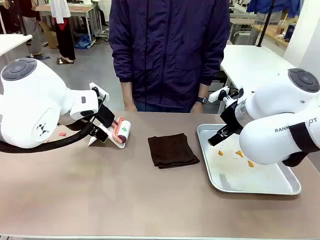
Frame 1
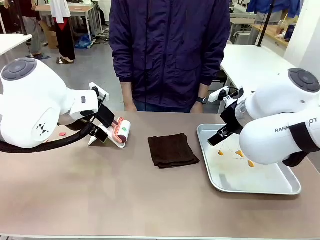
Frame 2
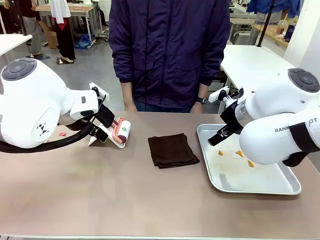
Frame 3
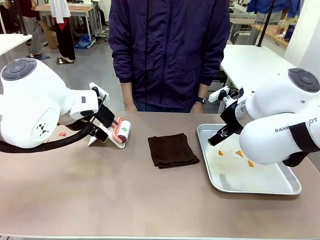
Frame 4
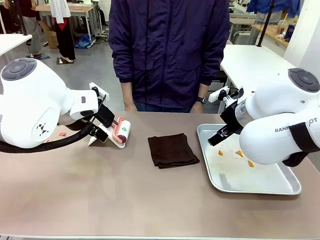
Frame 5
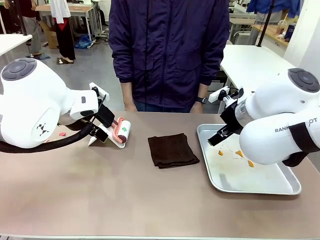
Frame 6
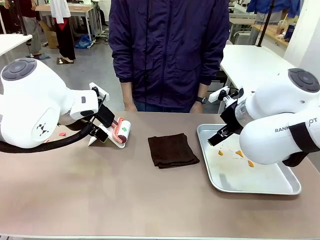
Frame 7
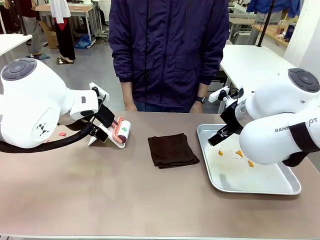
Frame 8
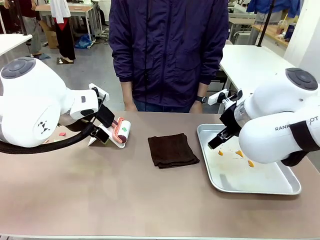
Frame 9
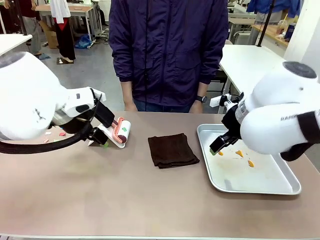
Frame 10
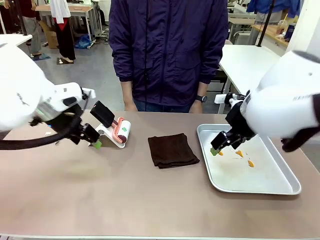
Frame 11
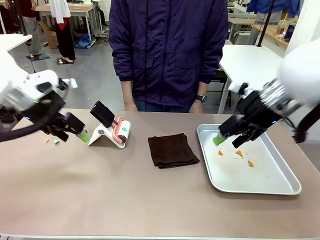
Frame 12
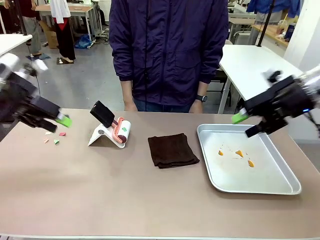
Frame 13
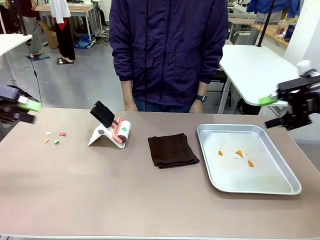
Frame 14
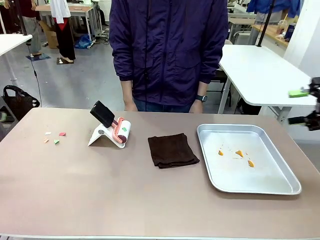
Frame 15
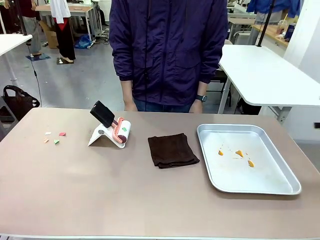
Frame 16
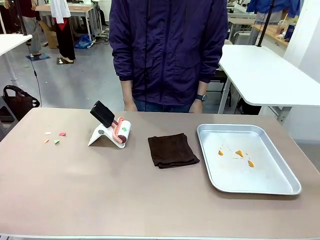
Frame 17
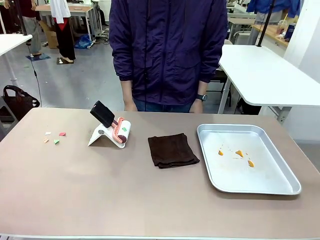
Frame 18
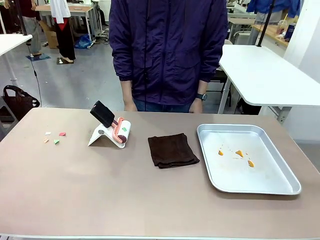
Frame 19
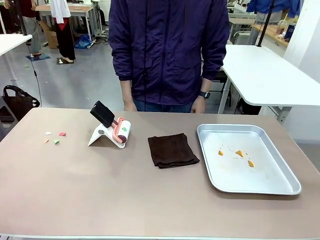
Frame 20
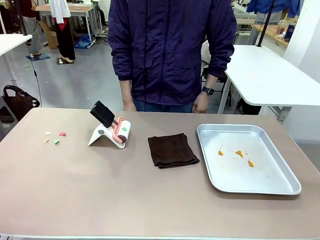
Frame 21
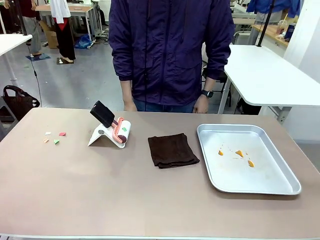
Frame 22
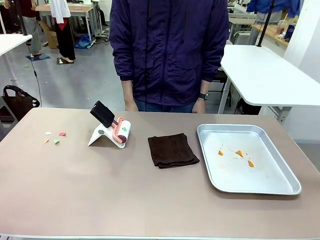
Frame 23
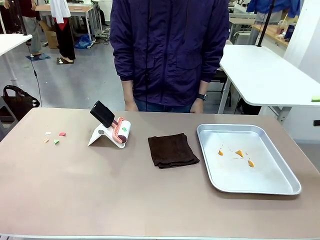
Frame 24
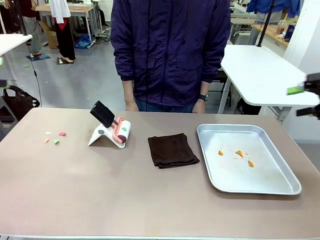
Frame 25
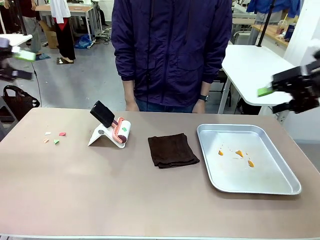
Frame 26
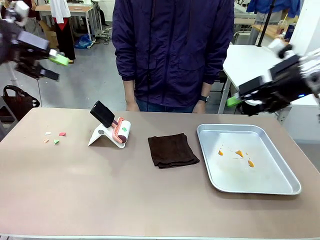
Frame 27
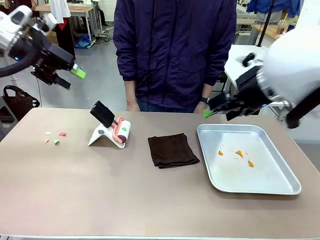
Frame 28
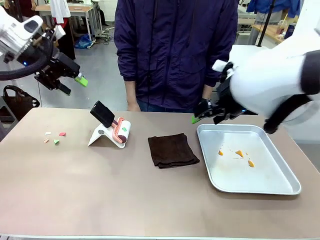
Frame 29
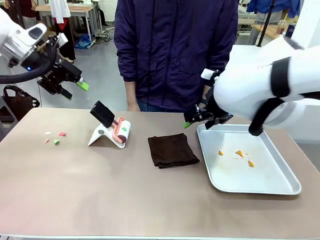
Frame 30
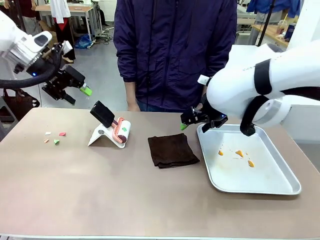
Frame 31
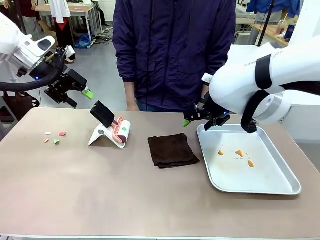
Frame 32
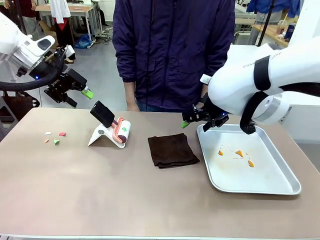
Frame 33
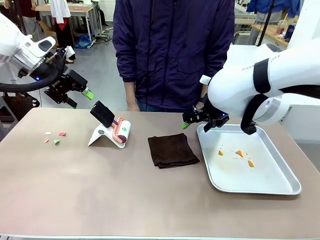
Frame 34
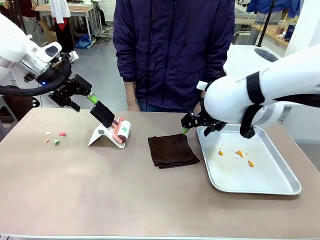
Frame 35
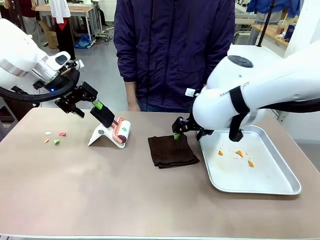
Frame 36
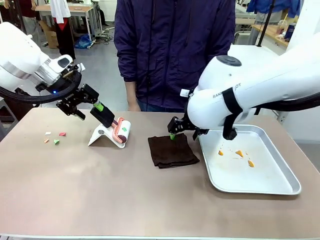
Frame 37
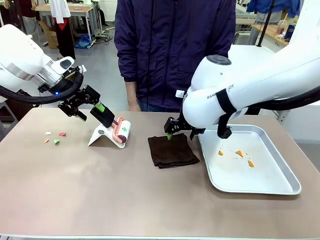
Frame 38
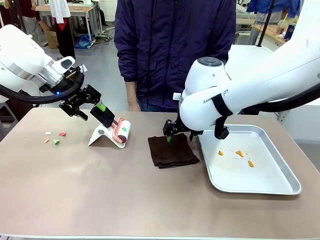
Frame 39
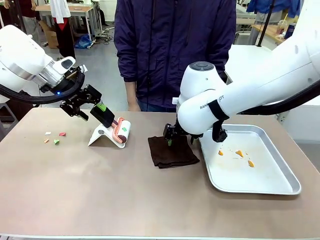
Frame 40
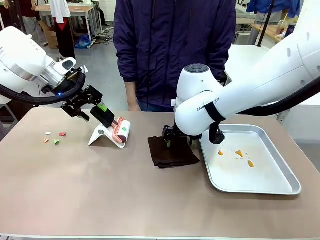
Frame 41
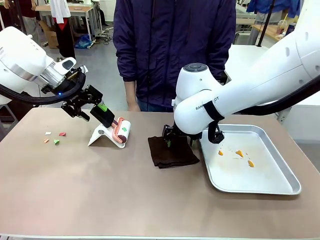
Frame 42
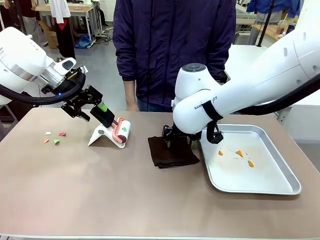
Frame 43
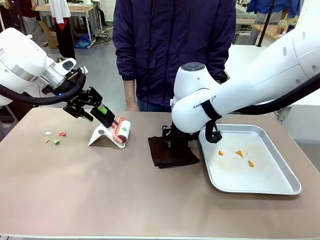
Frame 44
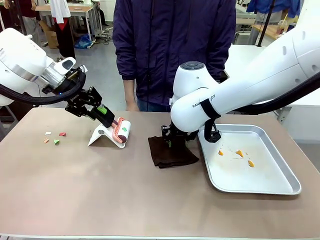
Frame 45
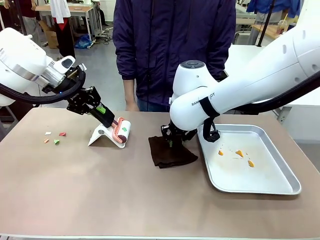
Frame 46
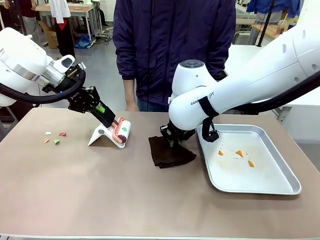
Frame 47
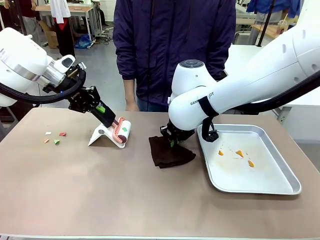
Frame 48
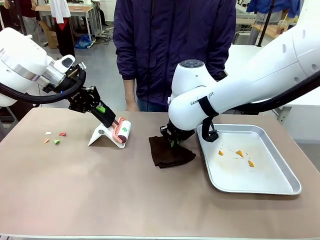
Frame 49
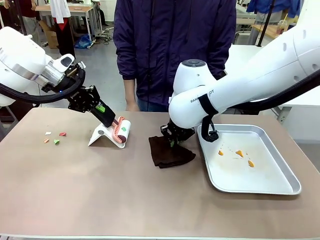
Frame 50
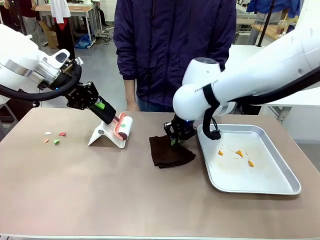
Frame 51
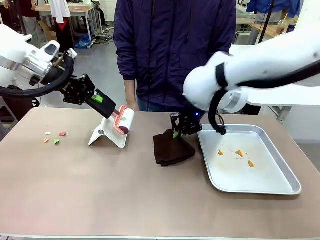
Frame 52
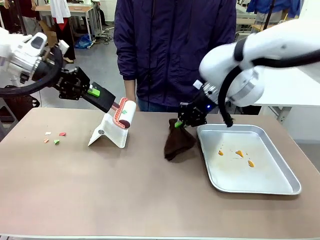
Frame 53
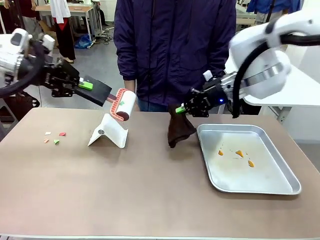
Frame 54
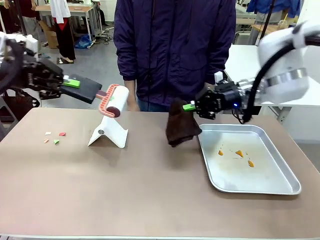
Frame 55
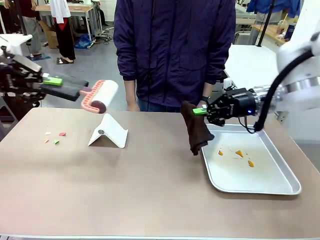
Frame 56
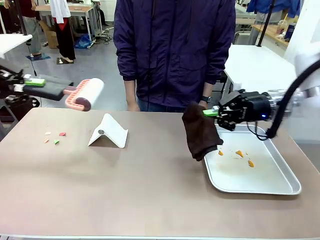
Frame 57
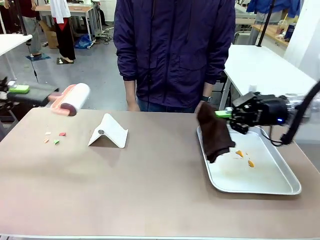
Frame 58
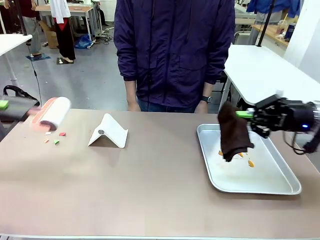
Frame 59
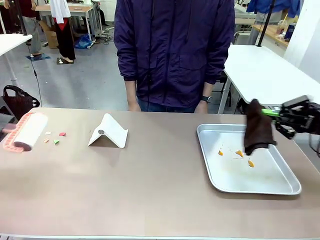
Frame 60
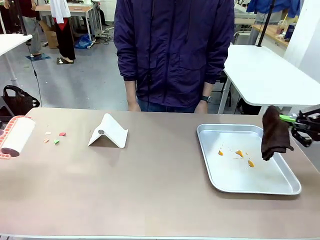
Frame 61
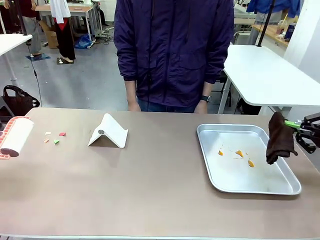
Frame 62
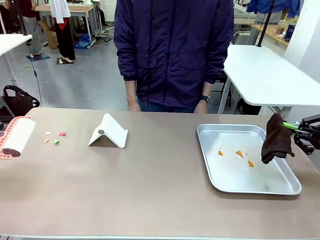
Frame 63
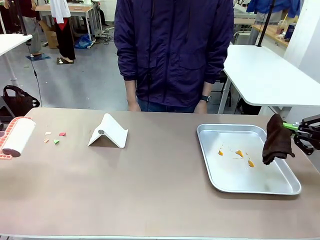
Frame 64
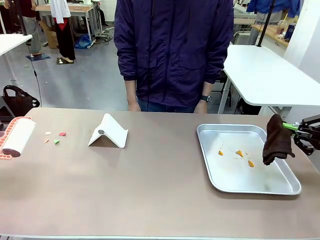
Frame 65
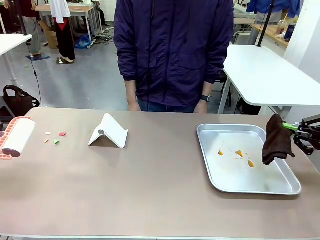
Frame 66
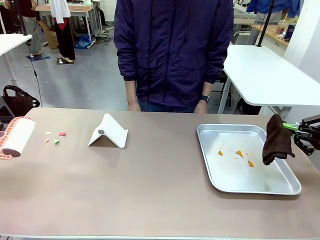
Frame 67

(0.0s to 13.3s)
Task: Clean the surface of the table.
Robot: Hold the Lint Roller with your left hand and the towel with your right hand.
